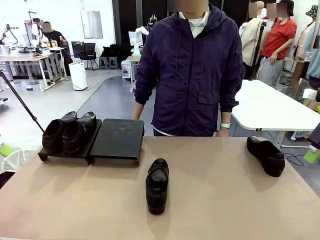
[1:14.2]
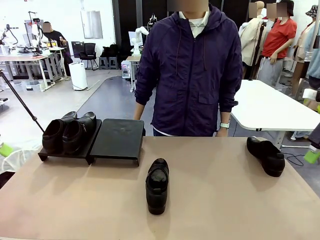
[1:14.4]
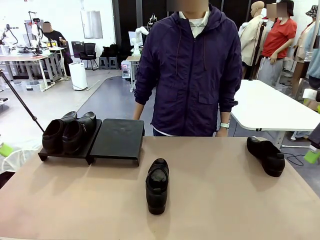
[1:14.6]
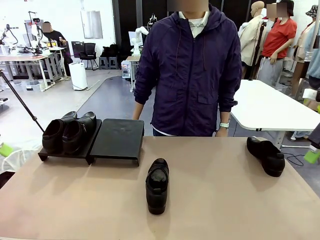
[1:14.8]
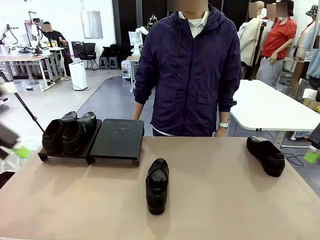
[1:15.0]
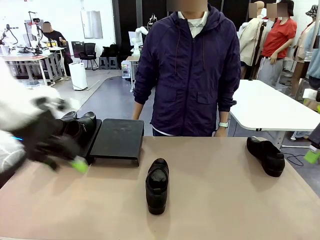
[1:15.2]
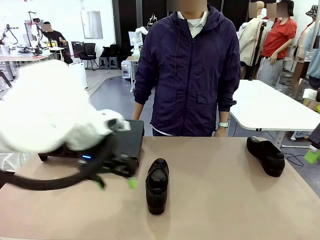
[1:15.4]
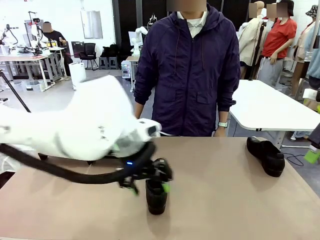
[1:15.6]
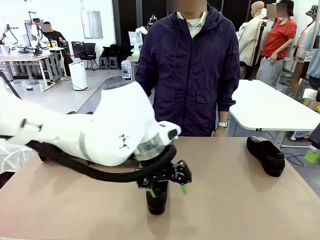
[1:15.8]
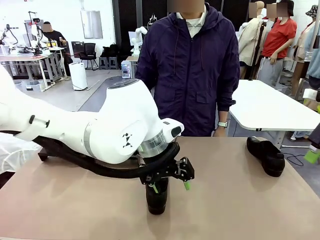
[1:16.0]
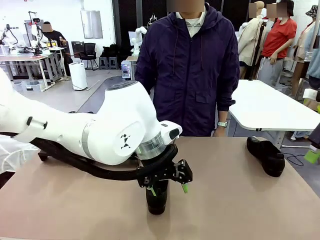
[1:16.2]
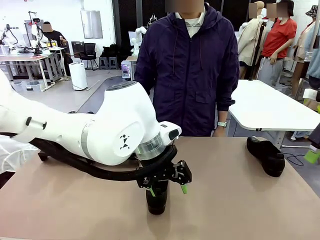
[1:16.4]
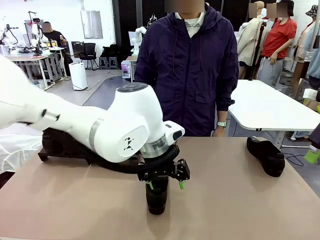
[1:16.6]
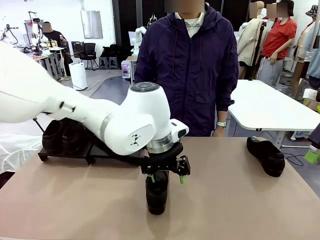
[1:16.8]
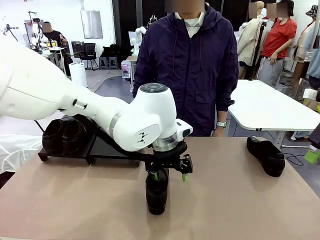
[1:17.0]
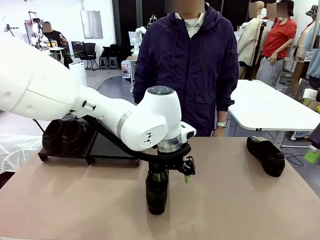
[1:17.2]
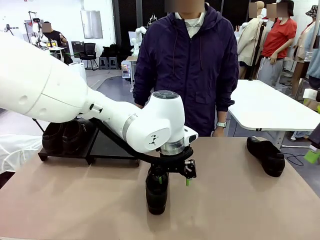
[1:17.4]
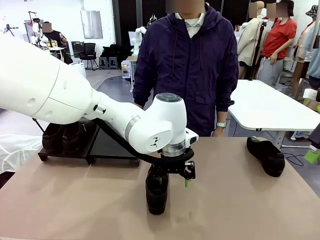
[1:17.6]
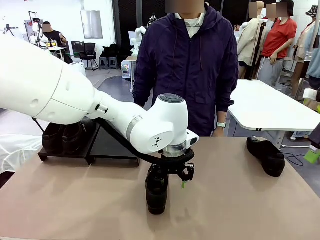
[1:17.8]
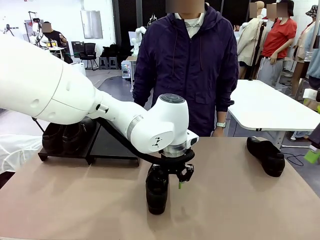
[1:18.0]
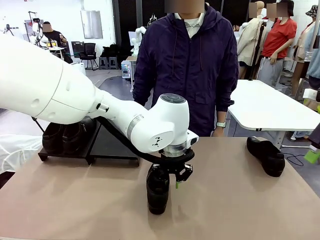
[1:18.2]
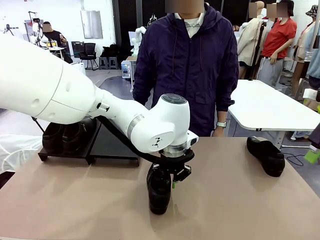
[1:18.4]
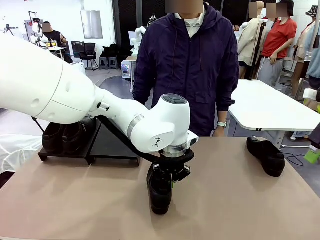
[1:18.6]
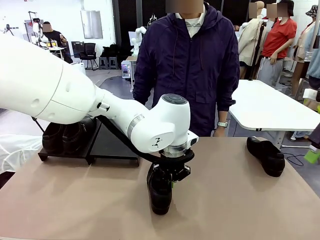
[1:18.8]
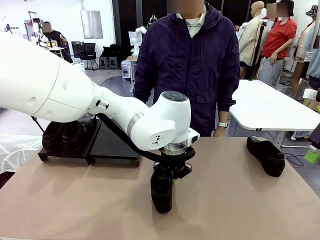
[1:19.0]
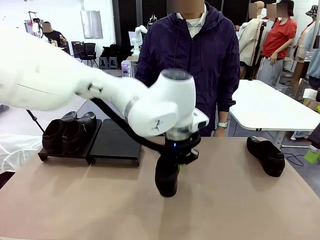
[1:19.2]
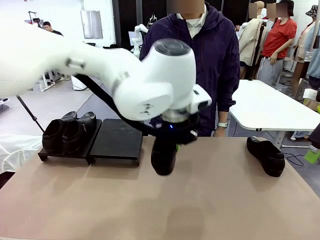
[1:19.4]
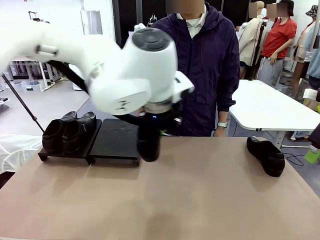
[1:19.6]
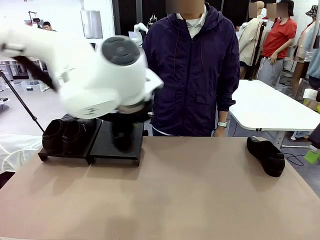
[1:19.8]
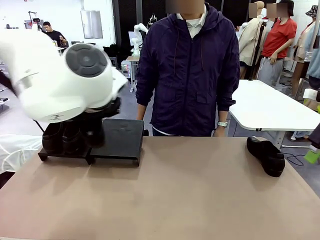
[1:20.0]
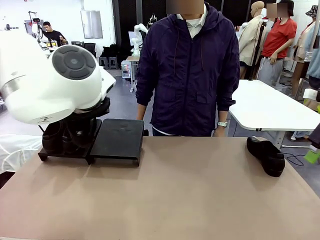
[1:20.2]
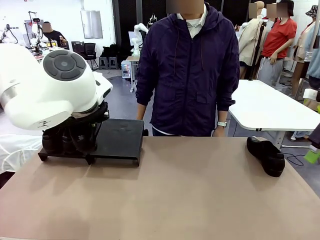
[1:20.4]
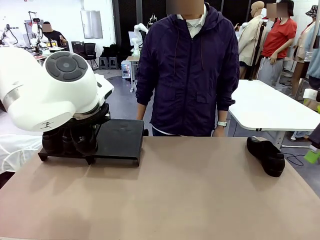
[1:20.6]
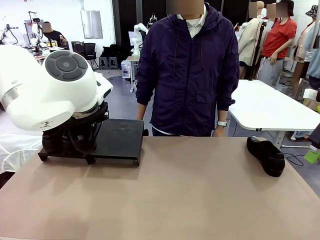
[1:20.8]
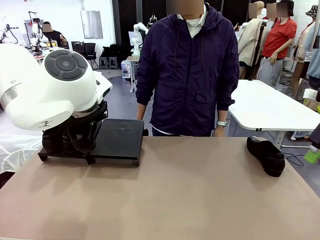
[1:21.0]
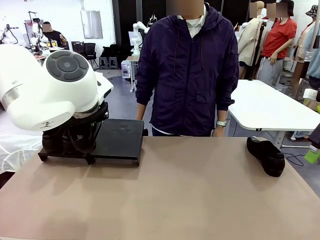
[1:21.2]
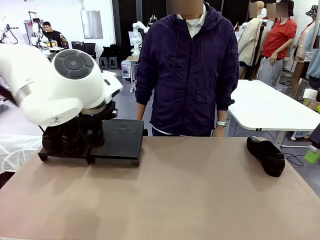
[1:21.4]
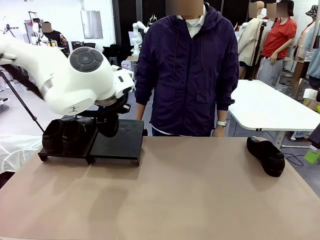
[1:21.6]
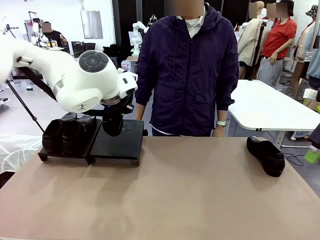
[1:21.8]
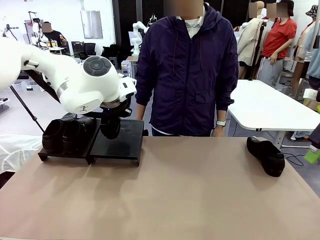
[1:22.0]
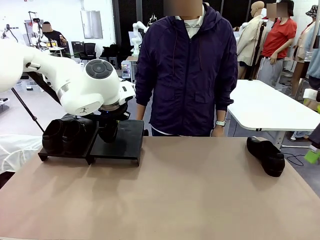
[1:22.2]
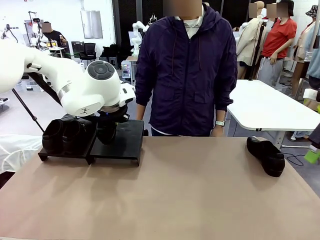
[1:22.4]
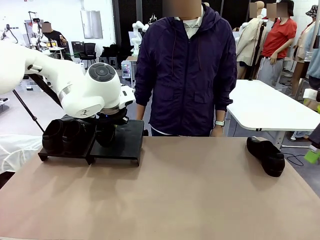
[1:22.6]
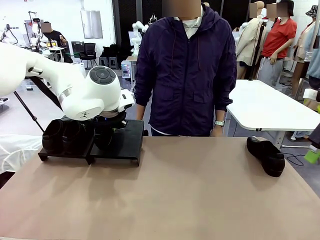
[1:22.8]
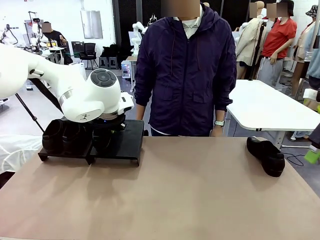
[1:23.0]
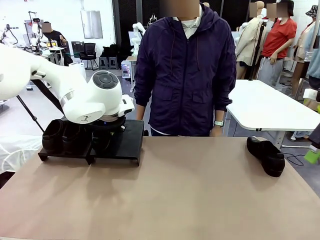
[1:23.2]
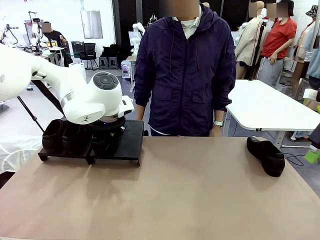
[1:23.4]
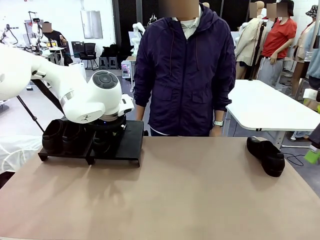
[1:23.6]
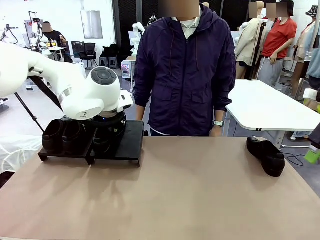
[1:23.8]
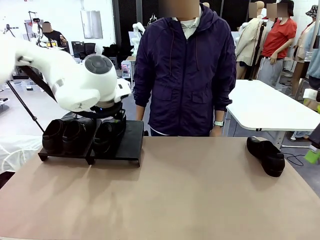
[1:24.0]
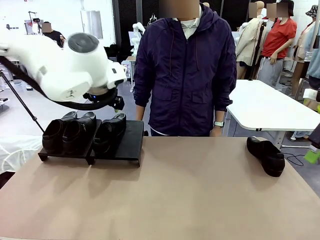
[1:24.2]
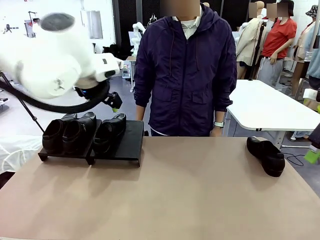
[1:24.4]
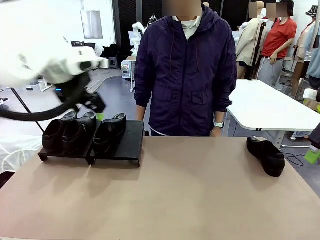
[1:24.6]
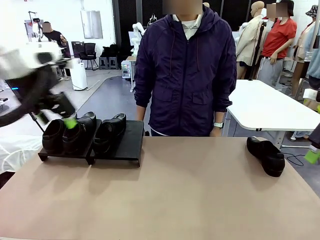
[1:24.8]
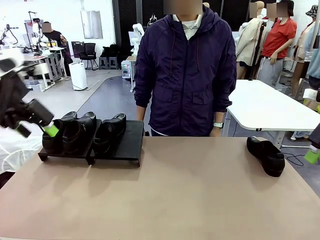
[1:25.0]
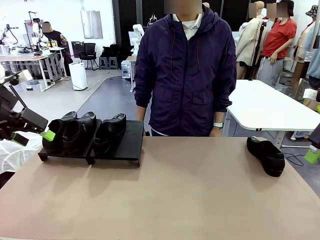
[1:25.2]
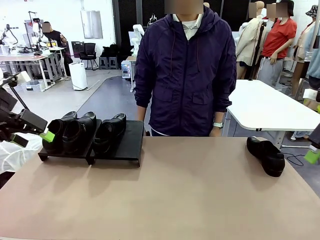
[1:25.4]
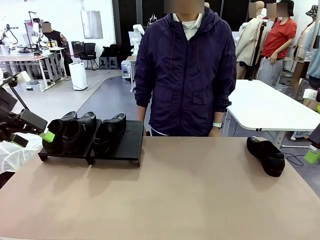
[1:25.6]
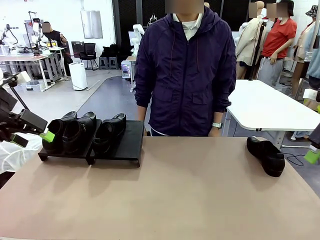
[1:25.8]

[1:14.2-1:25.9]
Task: Organize the shoes by placing them on the stand.
Robot: Place the Shoe from the middle of the table onto the Shoes Stand.

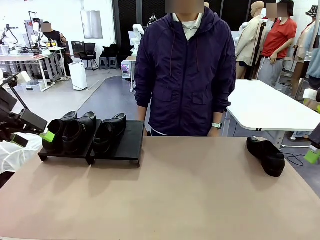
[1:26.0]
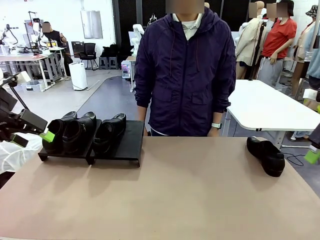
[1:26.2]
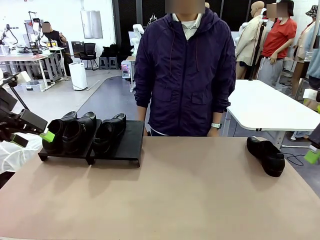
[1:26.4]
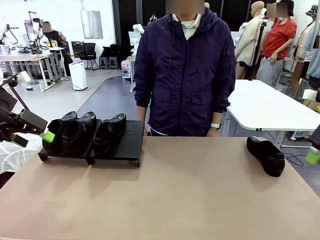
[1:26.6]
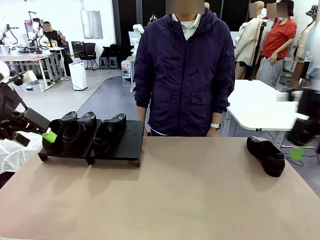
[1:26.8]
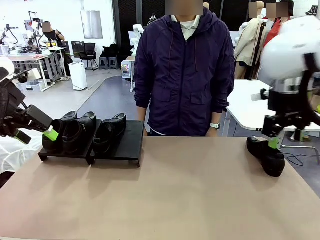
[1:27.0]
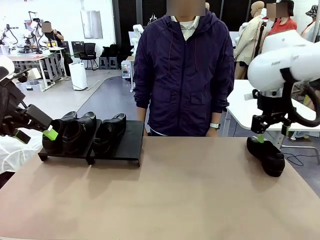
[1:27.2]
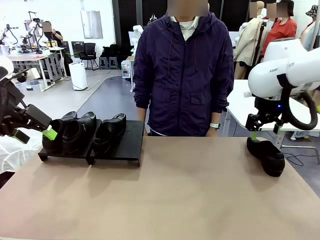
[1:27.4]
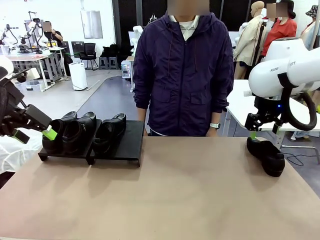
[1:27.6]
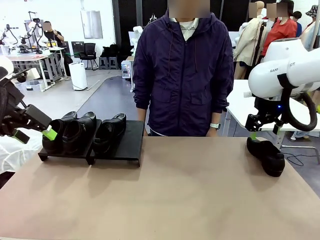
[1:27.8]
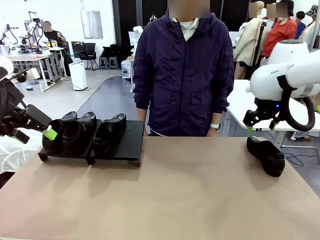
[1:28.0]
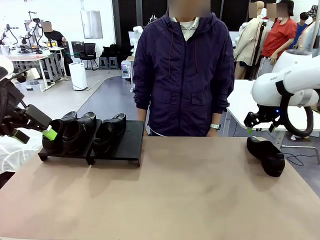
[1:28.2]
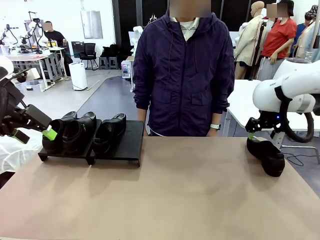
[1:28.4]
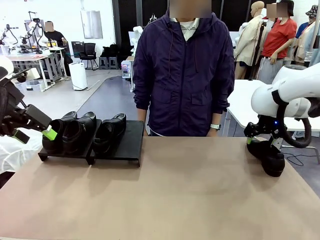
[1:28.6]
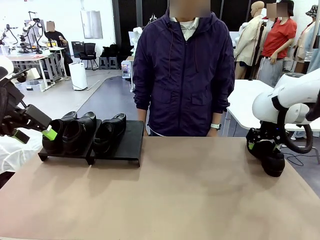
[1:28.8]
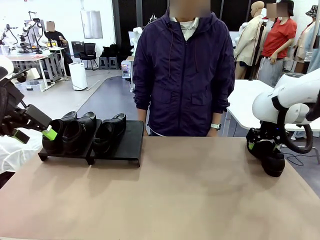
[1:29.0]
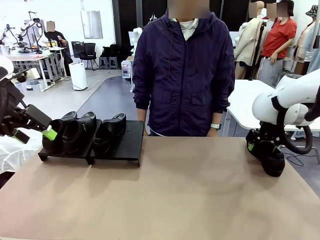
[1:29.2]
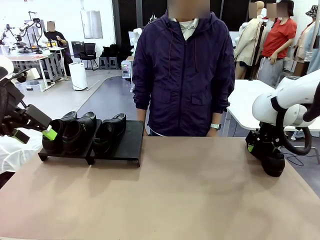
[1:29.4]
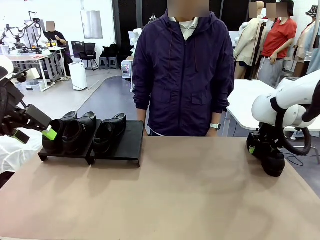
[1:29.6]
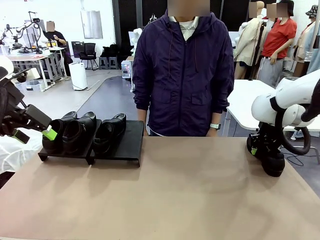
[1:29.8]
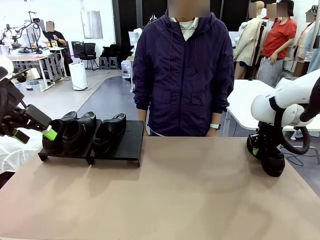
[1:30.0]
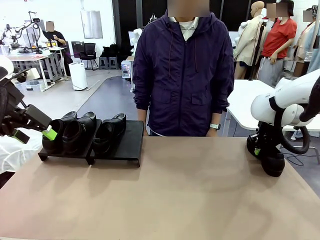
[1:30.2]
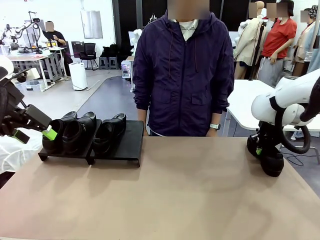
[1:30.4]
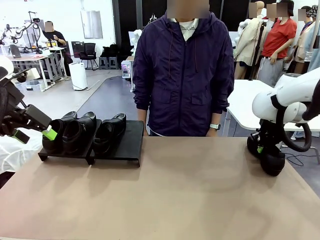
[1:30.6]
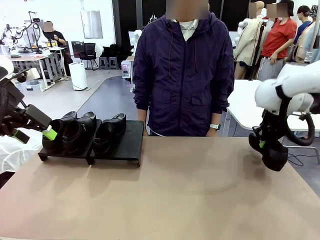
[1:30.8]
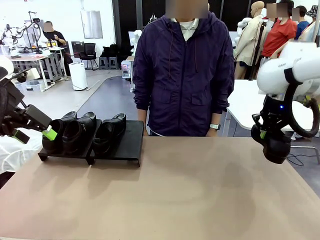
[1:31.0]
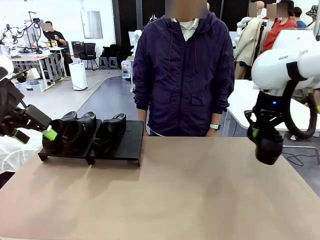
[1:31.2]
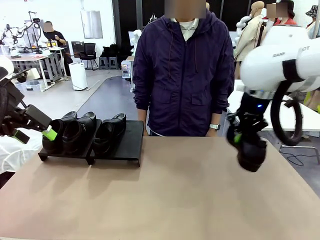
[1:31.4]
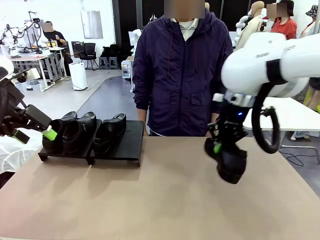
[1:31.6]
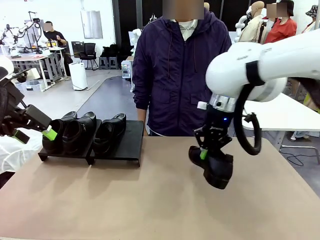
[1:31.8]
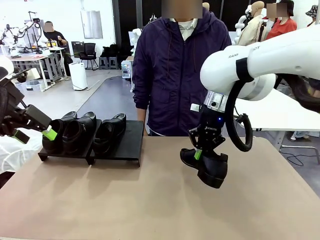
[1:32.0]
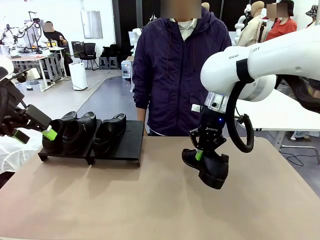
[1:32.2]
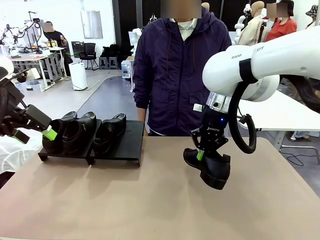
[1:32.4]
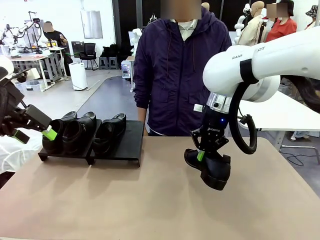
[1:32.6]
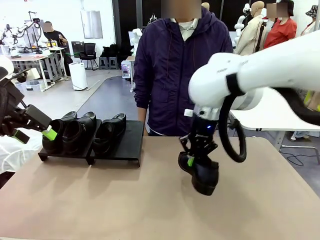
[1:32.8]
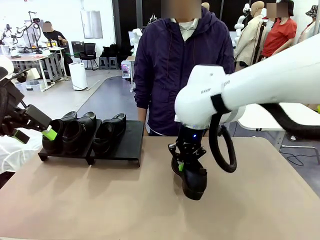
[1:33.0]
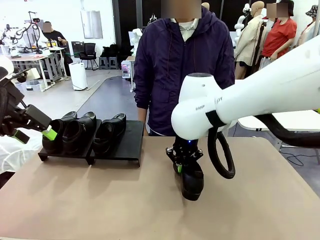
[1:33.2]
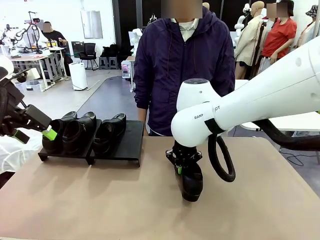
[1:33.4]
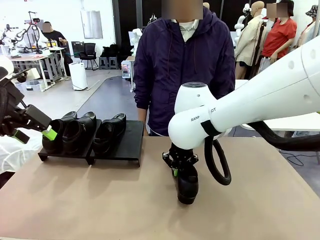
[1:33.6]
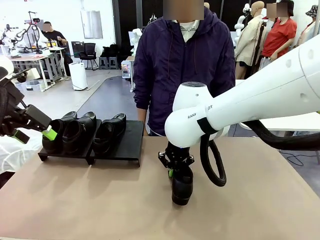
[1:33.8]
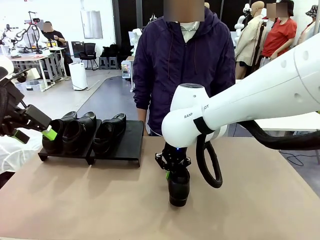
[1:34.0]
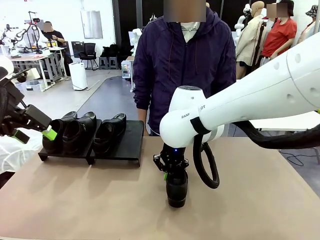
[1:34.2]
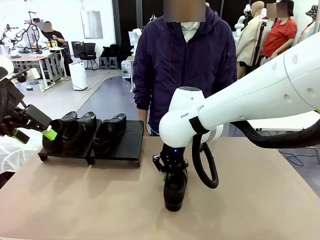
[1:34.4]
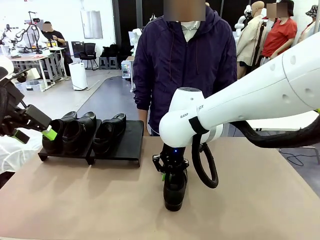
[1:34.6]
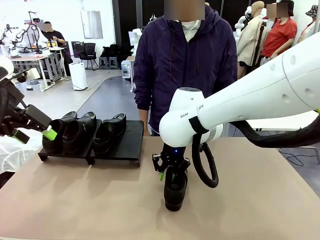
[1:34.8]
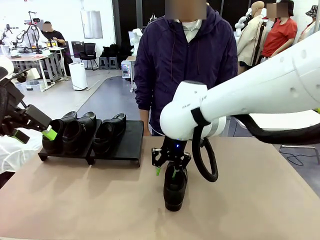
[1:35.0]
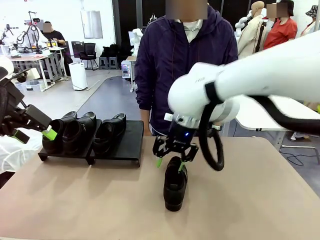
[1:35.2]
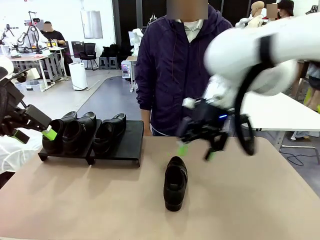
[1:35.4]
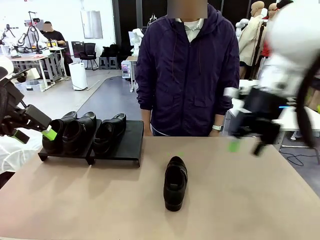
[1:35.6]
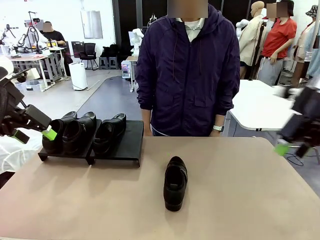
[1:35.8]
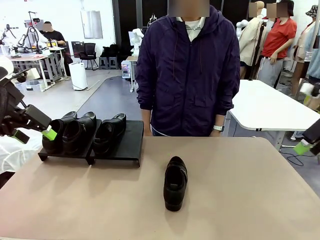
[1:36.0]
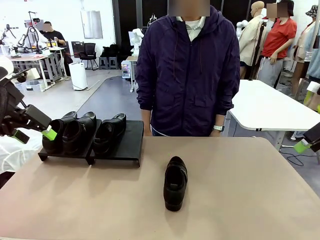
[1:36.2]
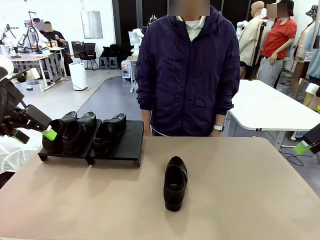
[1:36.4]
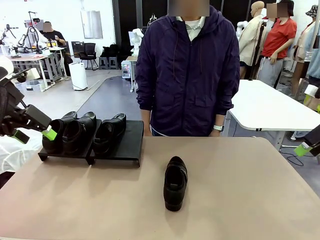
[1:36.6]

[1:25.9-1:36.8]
Robot: Pick up one Shoe and place it in the middle of the table.
